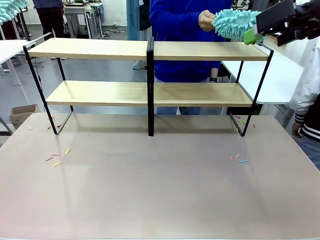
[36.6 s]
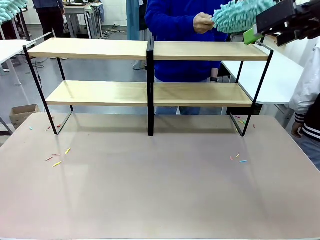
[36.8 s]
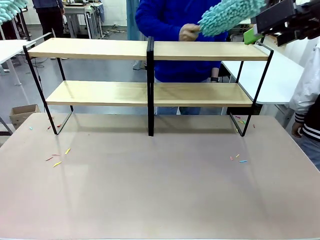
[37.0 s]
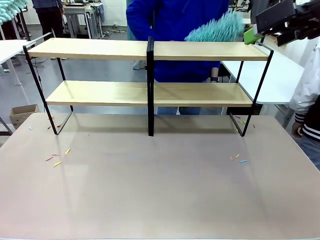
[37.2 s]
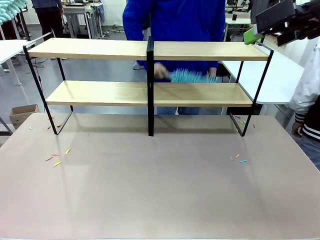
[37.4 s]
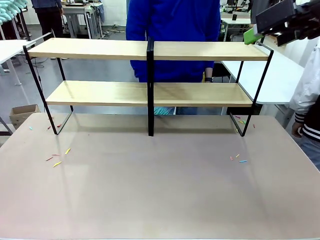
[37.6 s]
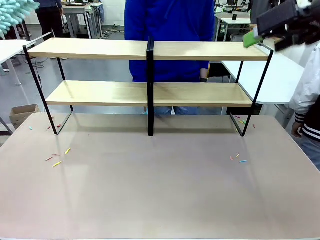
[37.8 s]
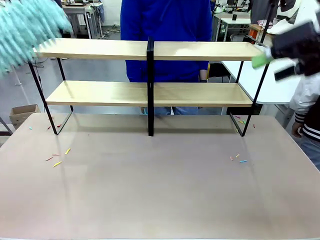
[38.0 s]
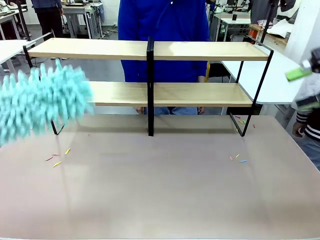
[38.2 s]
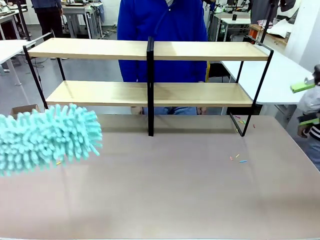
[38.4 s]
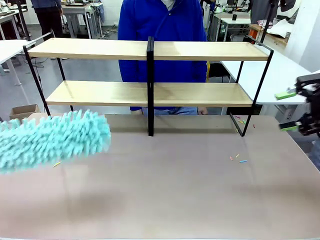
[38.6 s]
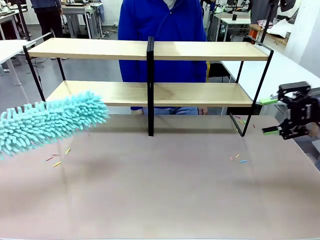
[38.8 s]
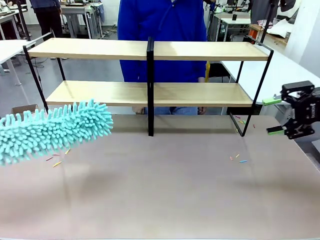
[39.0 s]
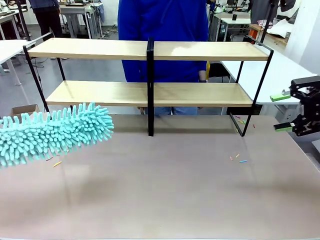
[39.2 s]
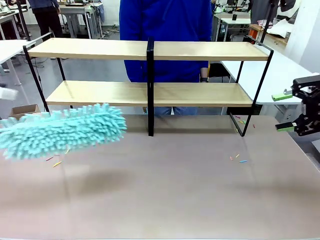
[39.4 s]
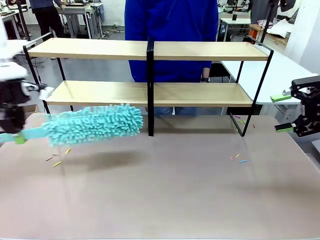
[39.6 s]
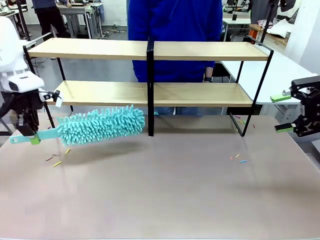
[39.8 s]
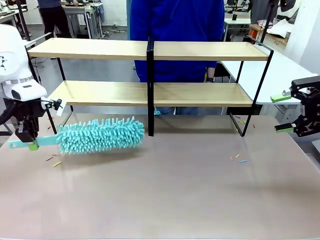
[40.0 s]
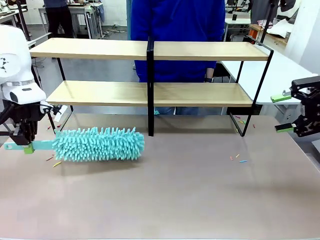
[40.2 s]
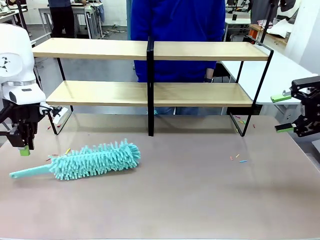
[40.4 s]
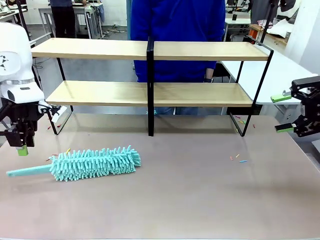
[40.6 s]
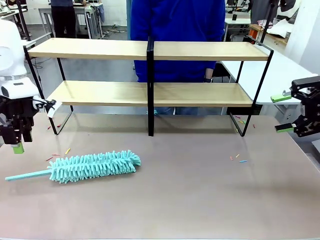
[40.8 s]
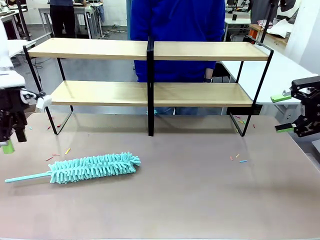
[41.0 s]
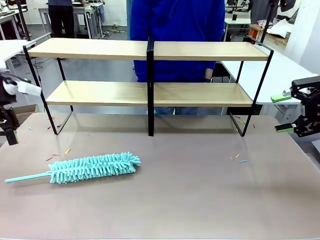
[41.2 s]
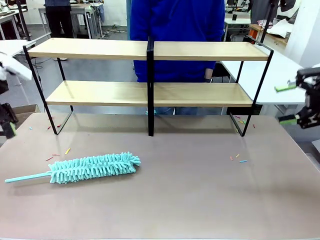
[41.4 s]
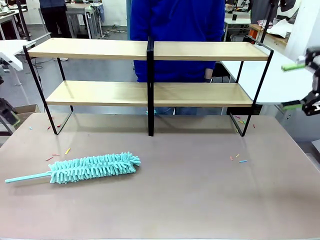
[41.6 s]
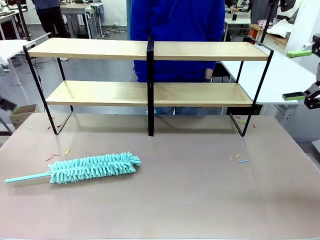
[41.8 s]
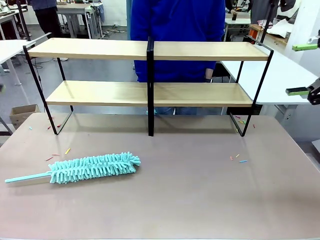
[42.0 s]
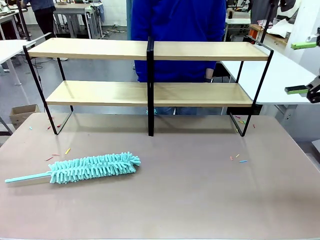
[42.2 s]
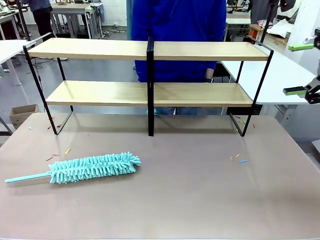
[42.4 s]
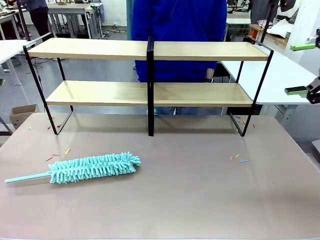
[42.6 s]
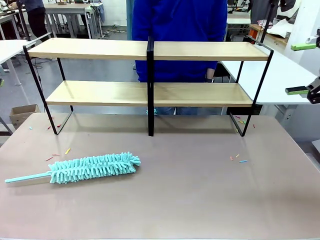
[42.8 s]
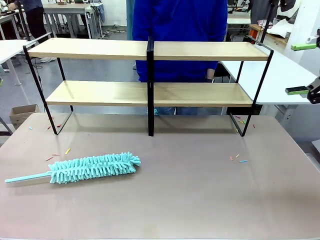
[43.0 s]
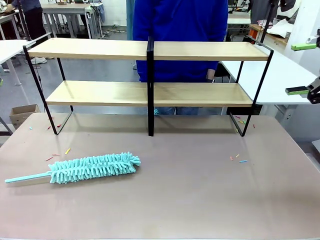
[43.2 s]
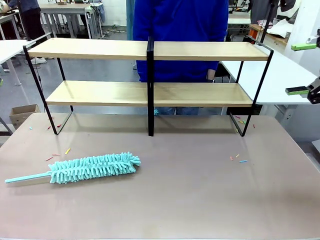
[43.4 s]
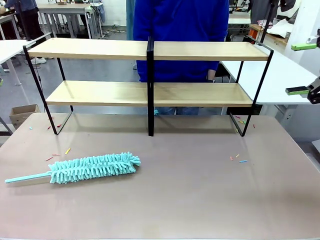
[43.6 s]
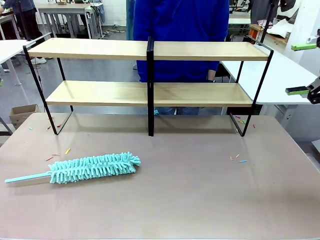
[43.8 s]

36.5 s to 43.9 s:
Task: Clean the shelves.
Robot: Place the Duster on the table.

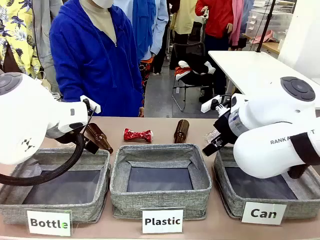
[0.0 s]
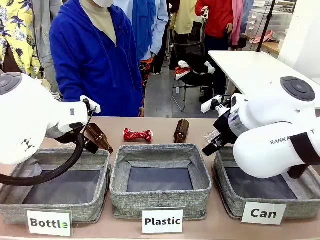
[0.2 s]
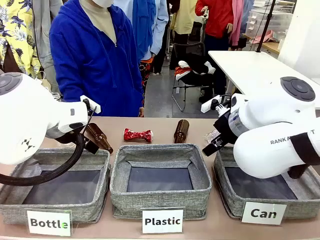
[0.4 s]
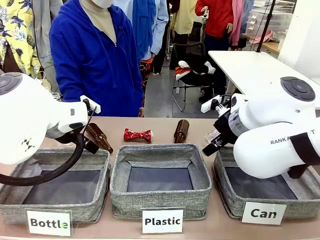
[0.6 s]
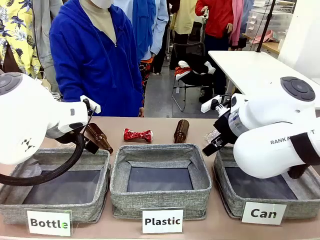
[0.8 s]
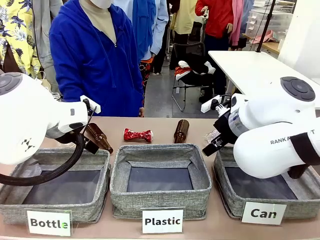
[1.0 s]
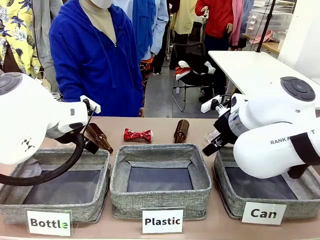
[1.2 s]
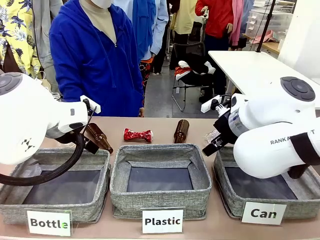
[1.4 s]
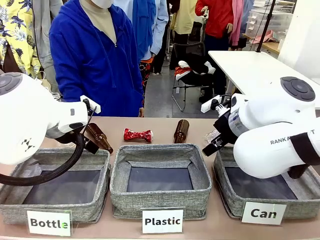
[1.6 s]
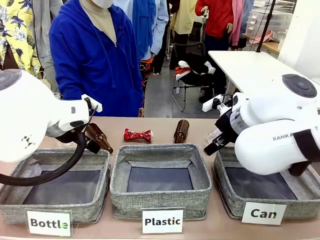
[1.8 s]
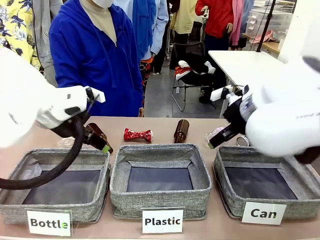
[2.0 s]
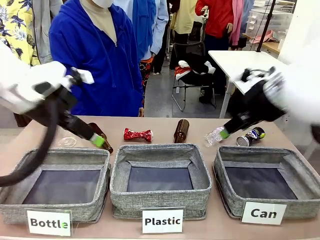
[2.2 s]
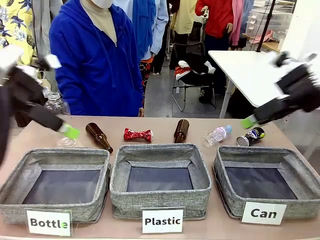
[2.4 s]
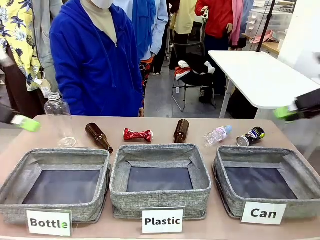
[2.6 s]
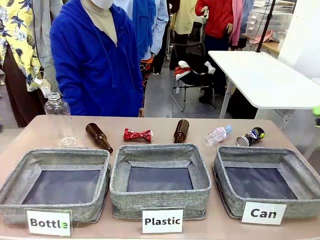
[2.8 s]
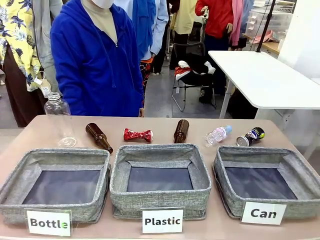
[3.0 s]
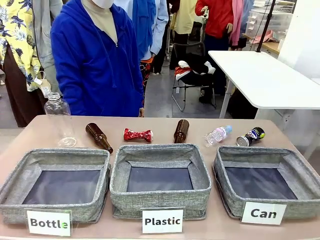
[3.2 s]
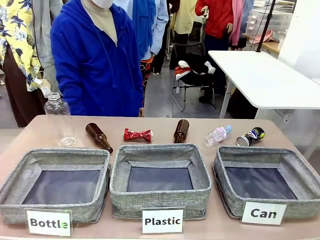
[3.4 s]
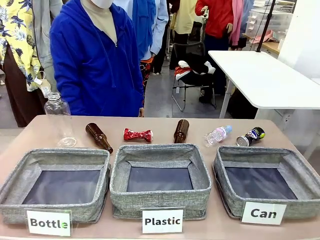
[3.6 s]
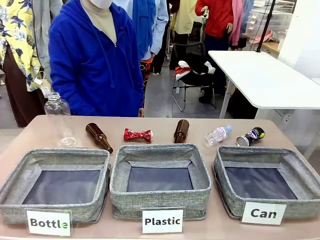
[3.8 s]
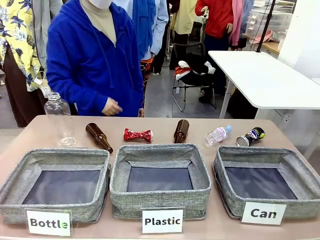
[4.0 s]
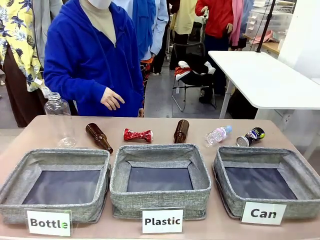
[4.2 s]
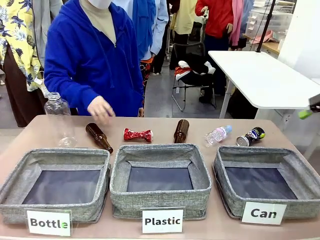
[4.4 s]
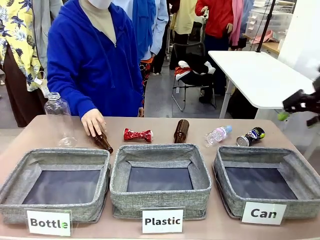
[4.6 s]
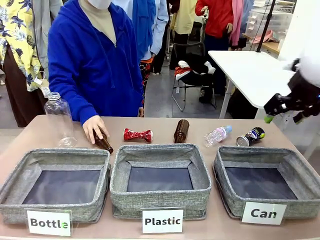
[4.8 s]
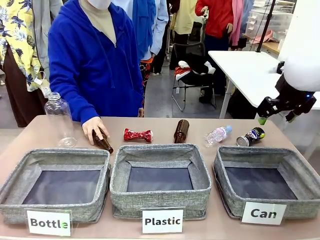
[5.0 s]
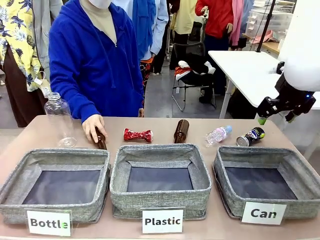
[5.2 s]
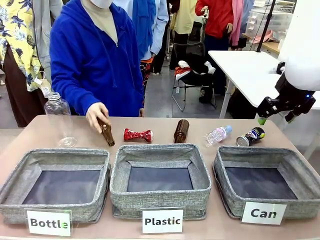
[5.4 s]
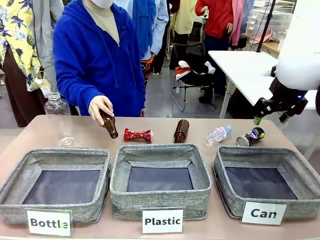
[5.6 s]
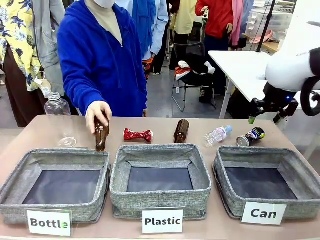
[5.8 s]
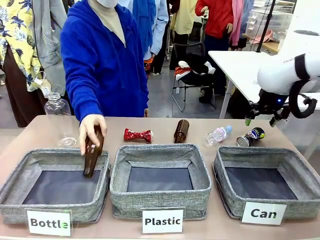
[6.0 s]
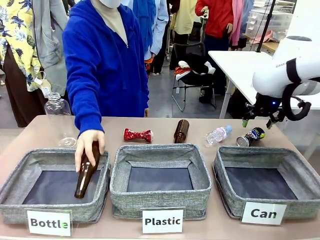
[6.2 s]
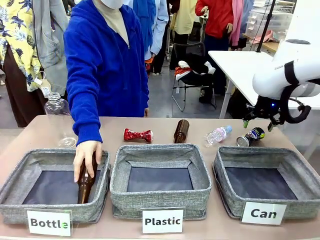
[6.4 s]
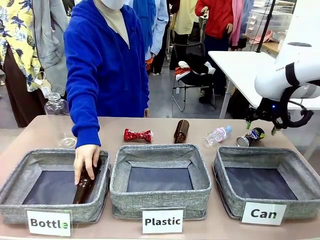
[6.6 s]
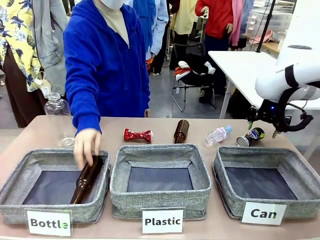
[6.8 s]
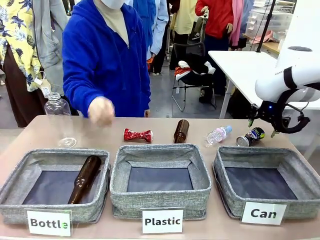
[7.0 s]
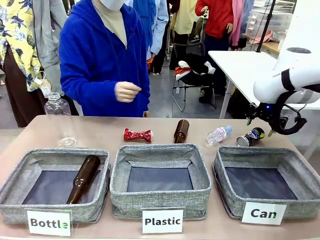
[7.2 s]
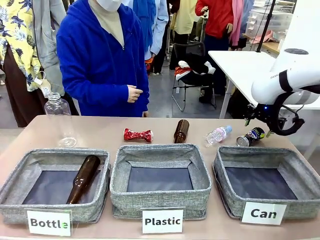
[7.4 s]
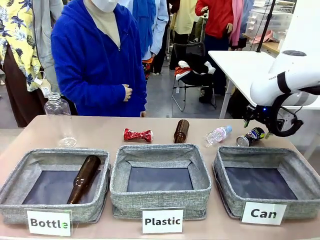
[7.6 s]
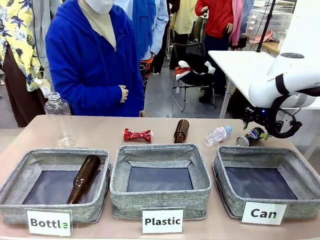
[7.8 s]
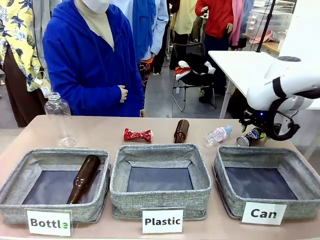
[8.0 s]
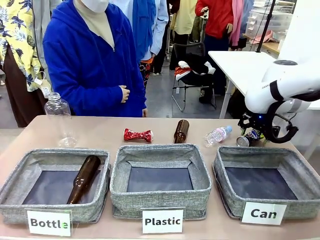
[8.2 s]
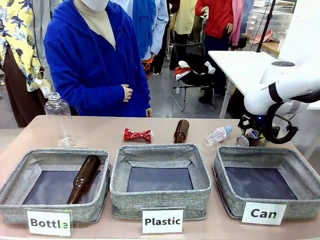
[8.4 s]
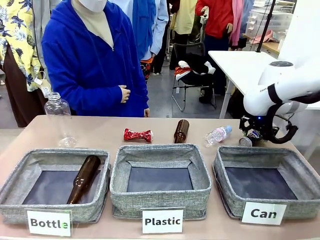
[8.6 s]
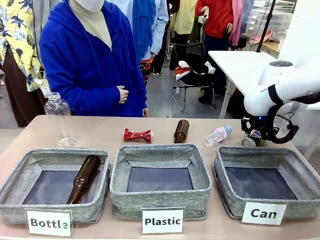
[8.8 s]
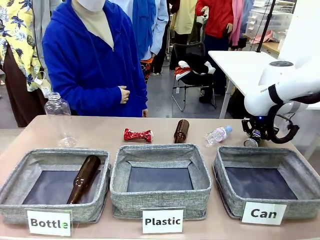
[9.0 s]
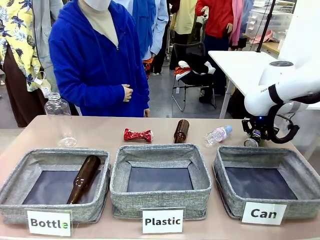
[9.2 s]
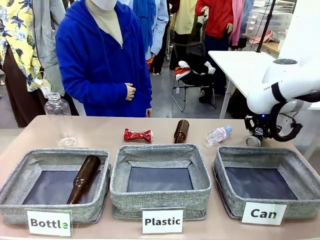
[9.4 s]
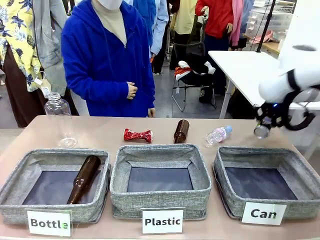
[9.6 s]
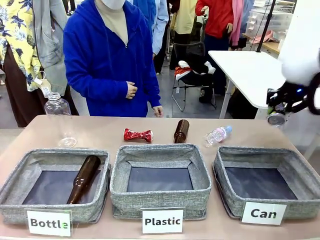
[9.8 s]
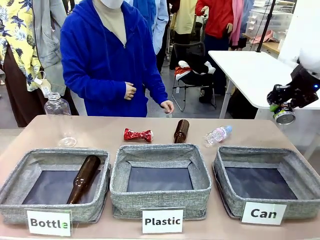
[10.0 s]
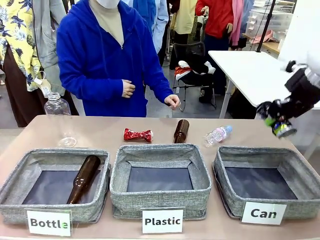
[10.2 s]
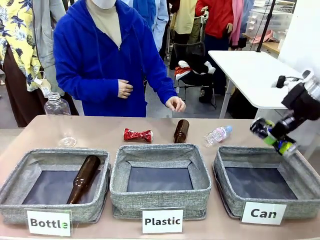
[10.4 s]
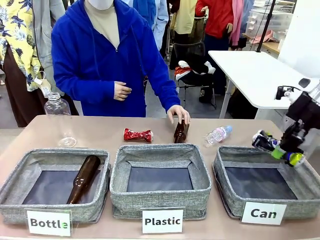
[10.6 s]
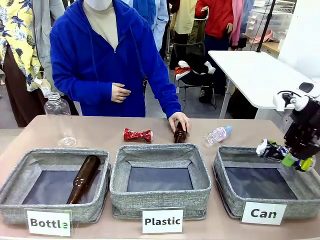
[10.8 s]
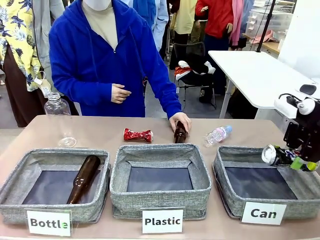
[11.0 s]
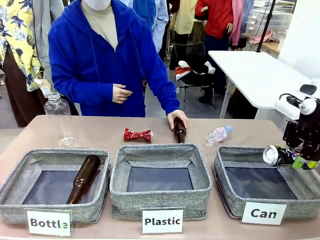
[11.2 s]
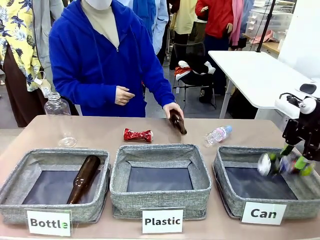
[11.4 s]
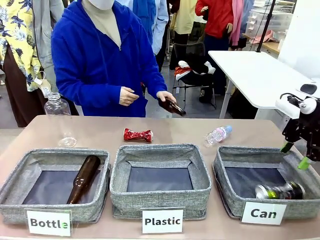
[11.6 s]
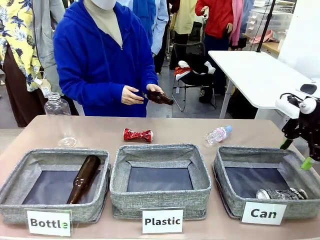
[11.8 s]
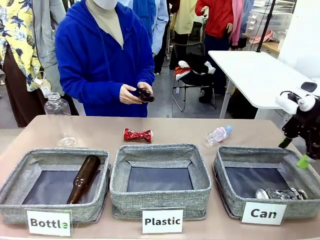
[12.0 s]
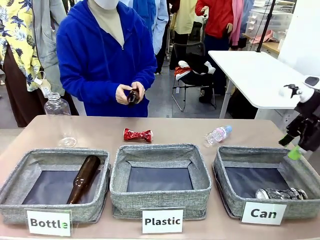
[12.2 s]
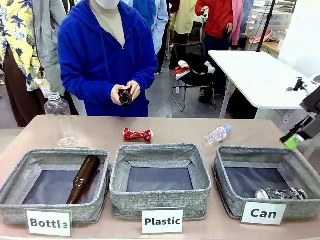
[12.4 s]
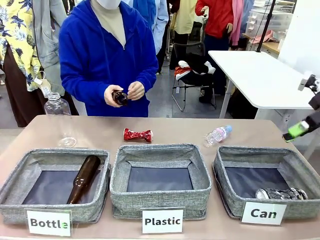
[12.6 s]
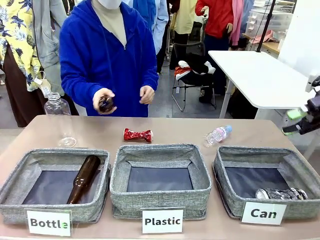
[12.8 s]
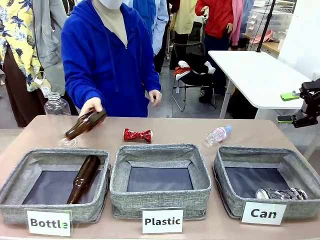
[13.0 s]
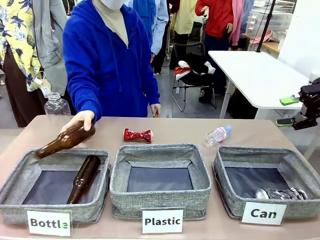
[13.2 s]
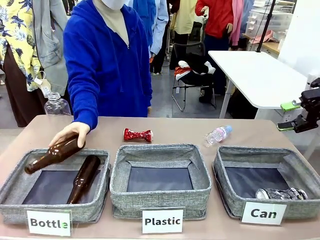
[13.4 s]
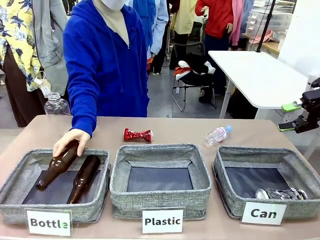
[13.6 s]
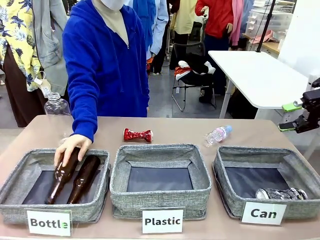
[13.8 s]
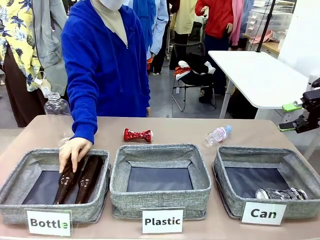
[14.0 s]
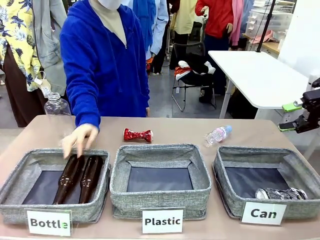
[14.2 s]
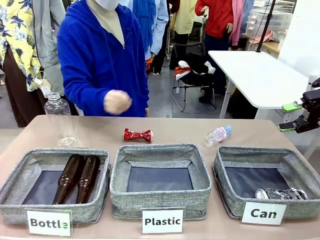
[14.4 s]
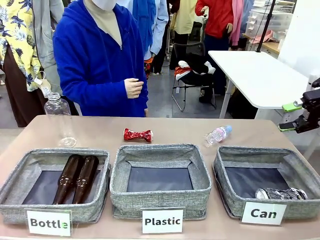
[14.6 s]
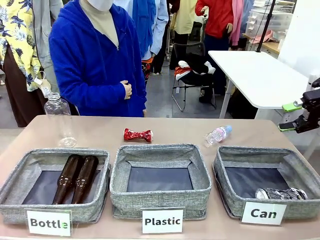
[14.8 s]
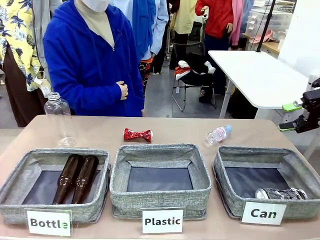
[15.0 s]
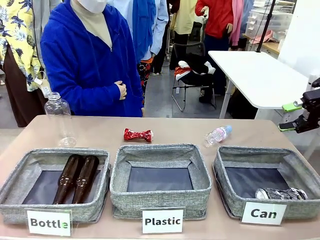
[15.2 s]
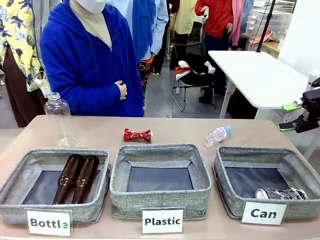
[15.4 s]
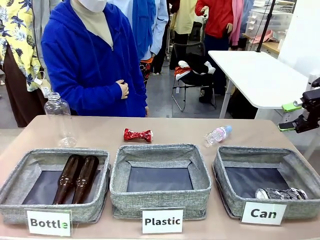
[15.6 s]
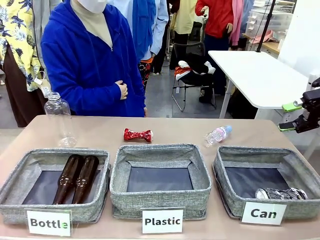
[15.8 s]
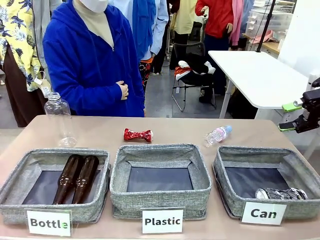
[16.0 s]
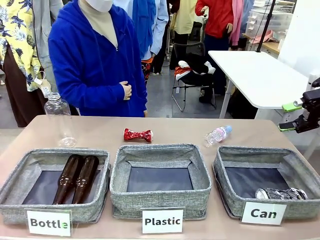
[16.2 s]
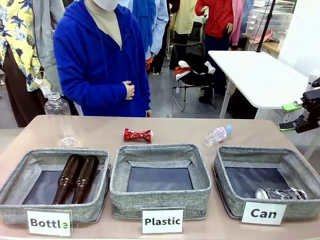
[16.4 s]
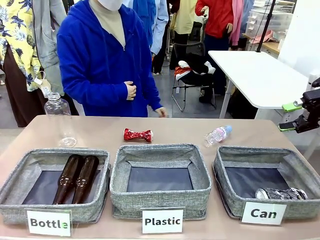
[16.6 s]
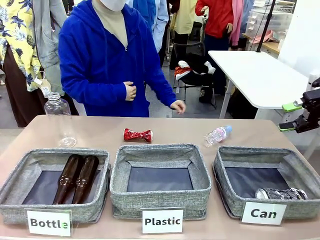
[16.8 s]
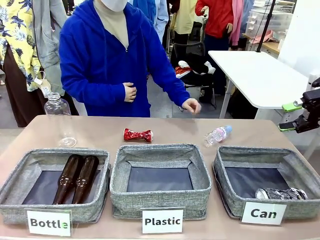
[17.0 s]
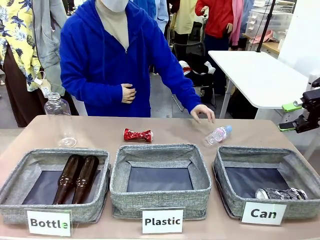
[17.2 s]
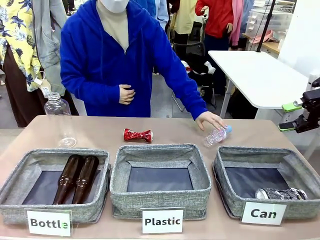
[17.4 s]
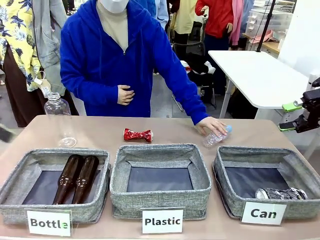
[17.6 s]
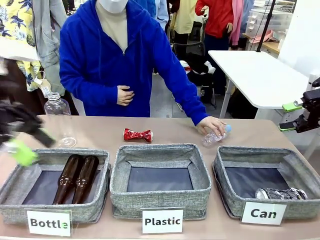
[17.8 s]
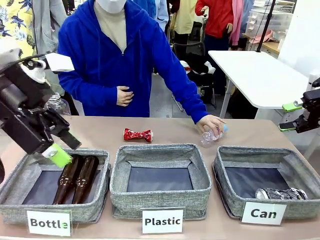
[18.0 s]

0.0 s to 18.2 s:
Task: Sort the can waste into the basket.
Robot: Pick up the can waste from the table and place it in the right Fabric basket.
